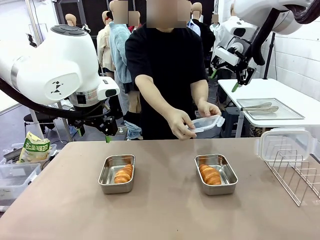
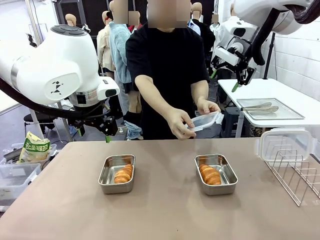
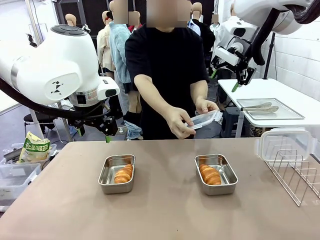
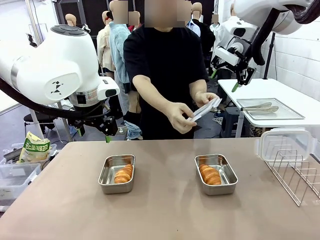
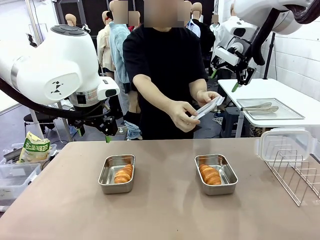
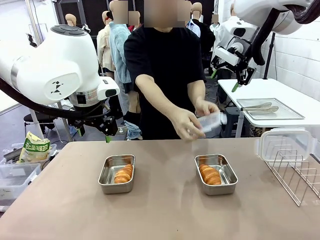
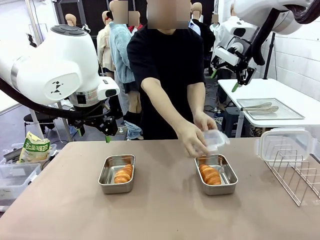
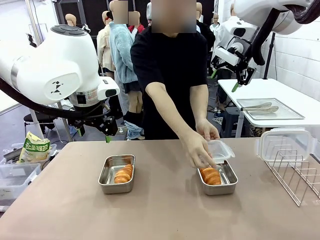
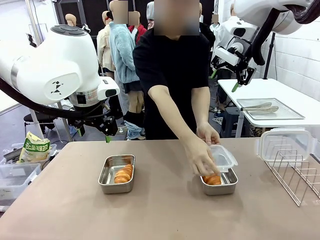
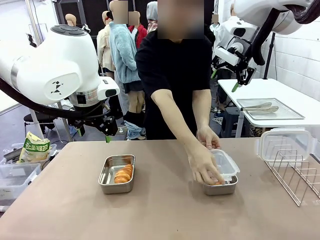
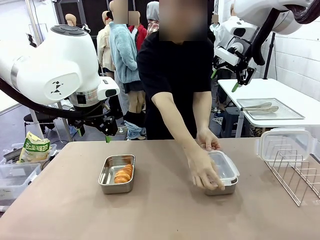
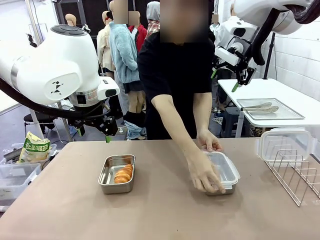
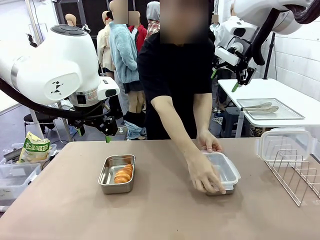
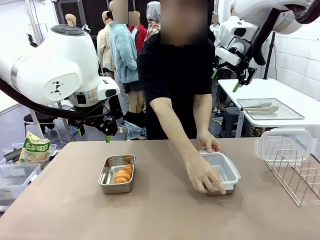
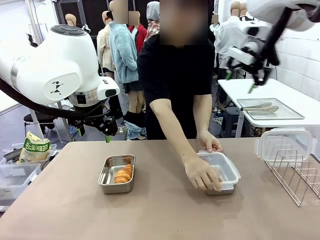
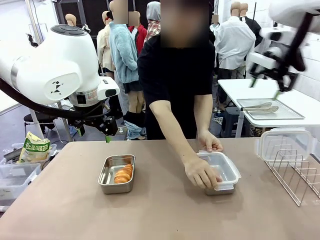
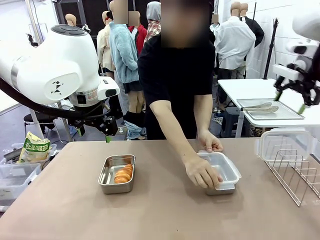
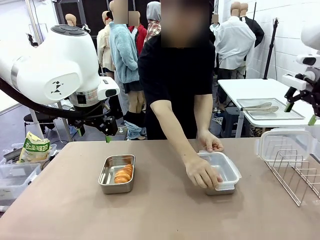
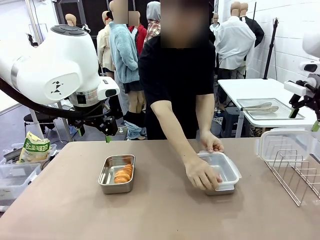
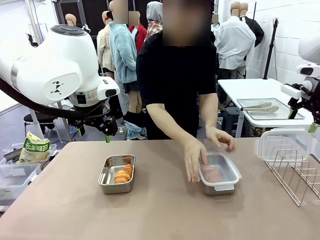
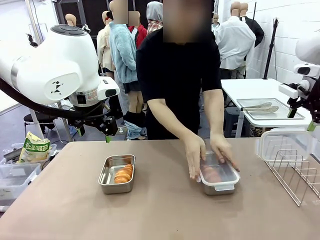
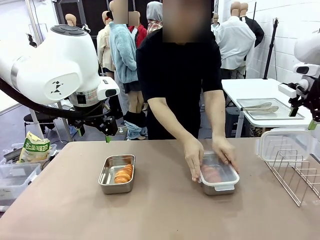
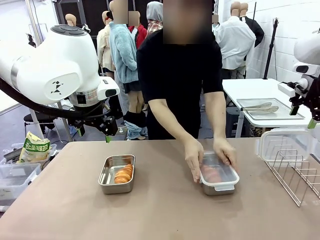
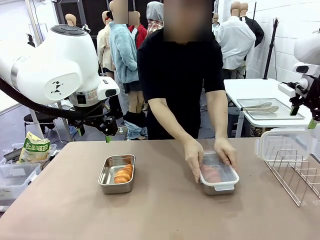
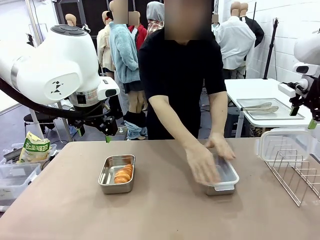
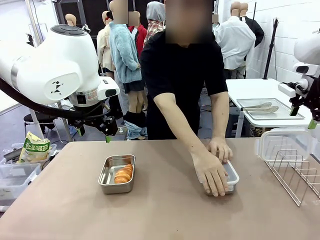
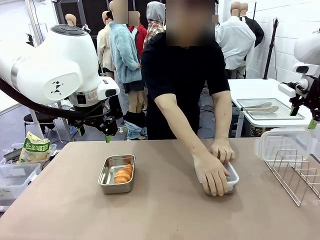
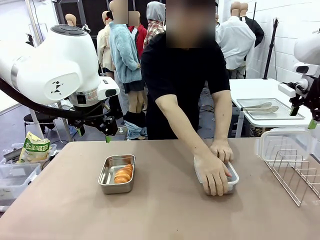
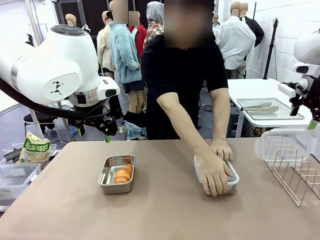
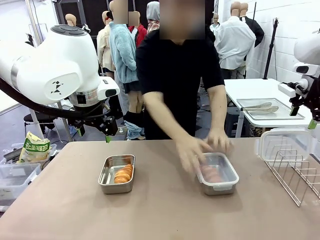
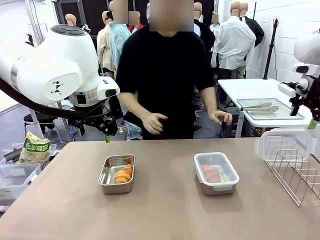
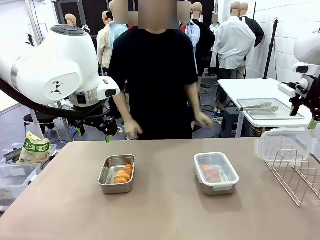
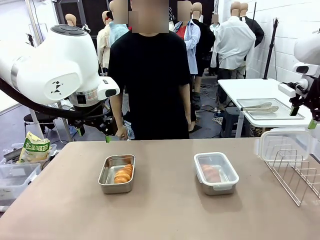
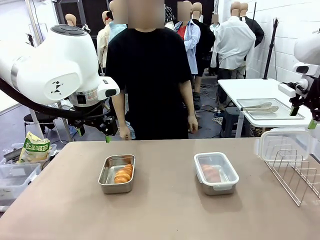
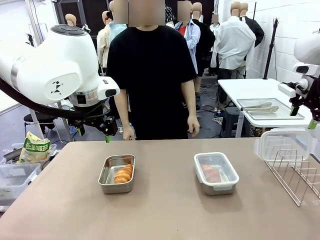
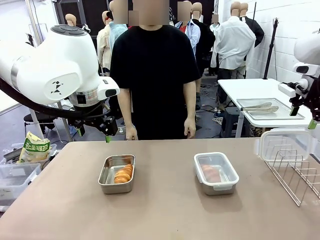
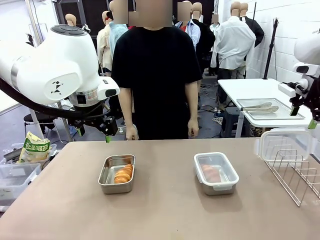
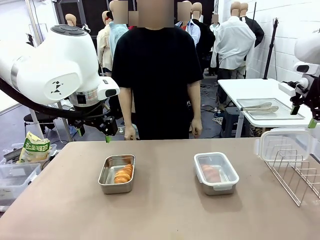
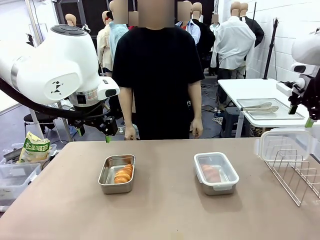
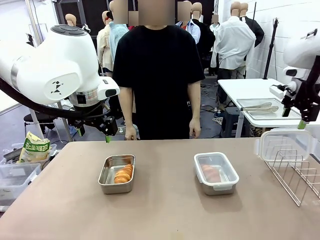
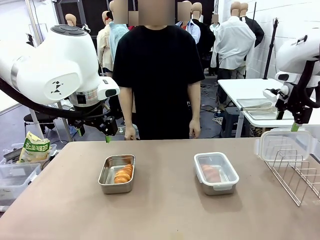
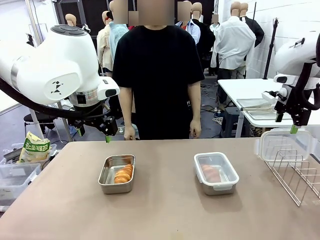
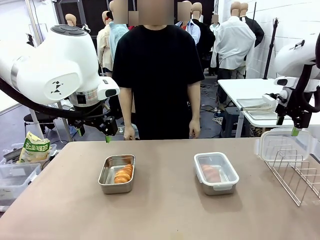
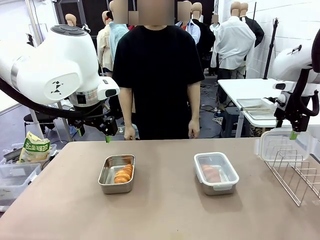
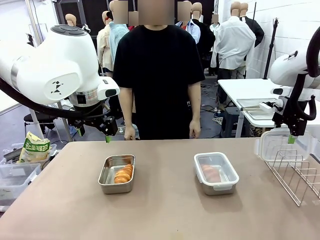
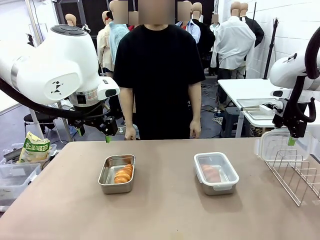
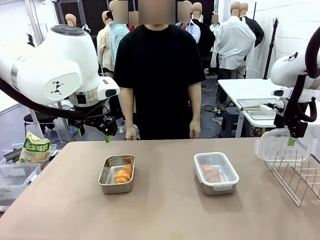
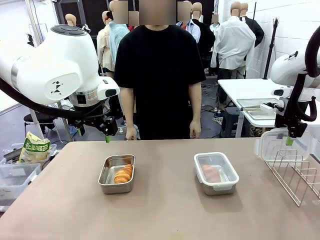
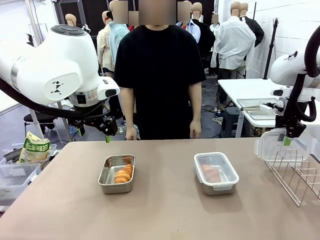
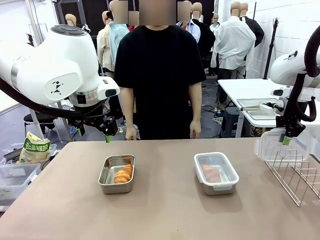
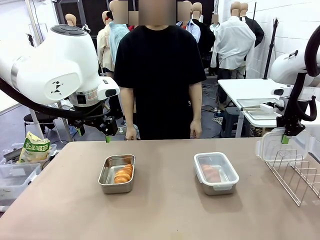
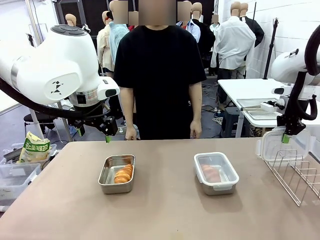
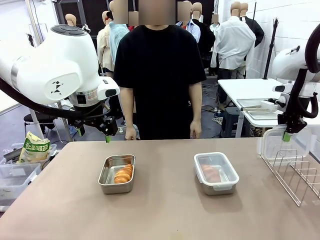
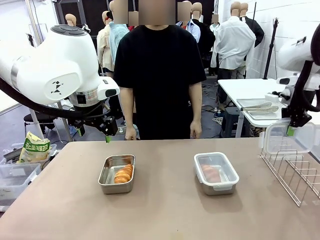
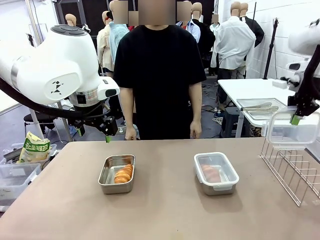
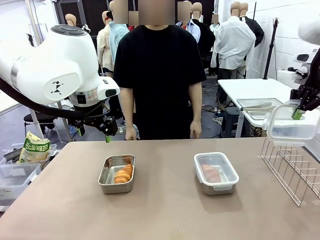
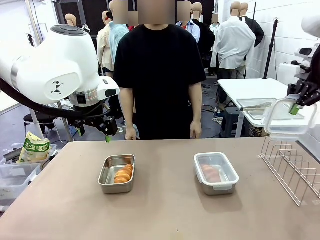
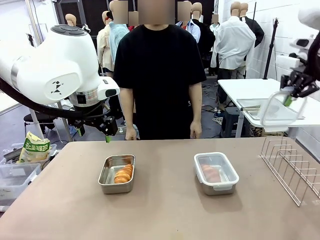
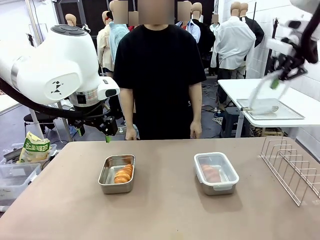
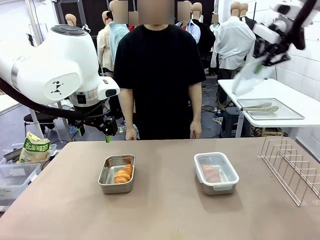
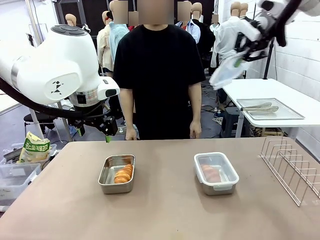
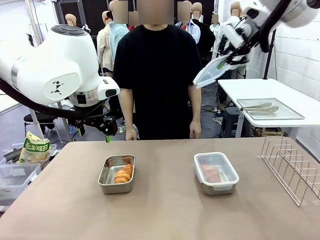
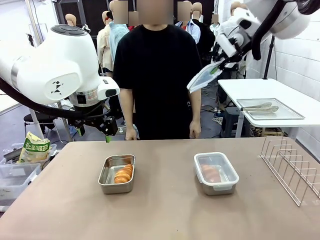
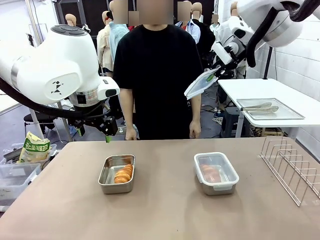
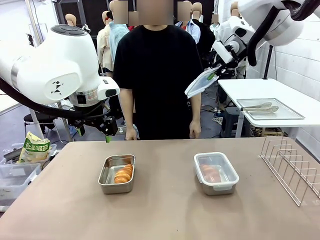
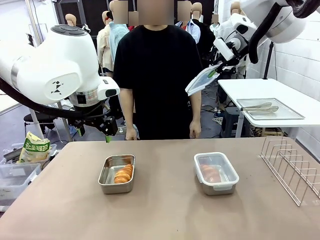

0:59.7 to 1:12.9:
Task: Place the bread in airtight containers.
Robot: Pick up one Airtight Container lid and hand it to the human.
Person: Close Airtight Container with a handed Airtight Container lid. Grip Airtight Container lid that robot is handing.

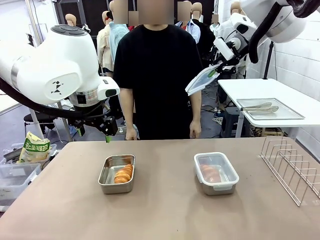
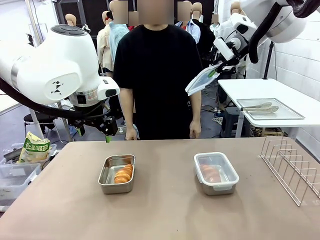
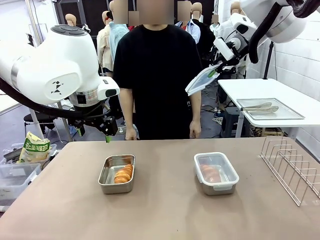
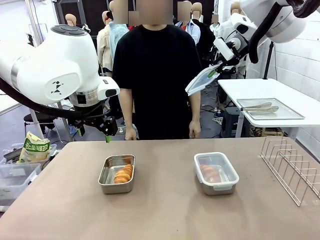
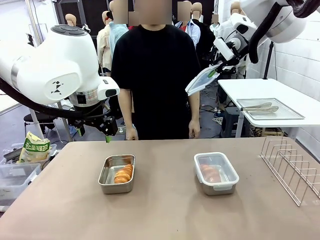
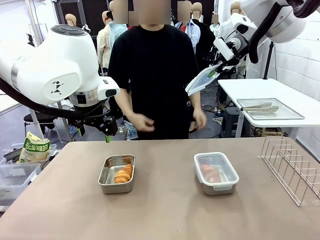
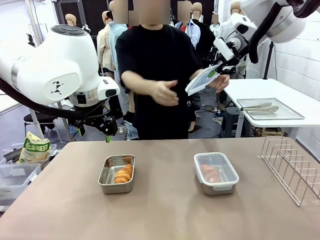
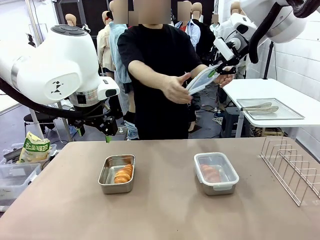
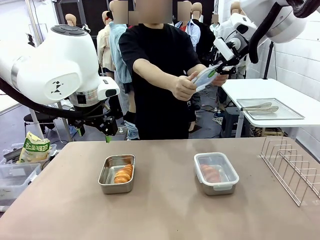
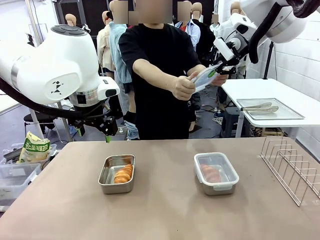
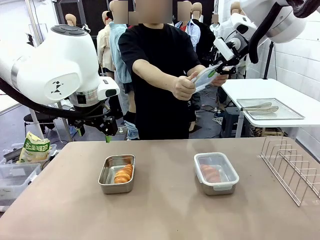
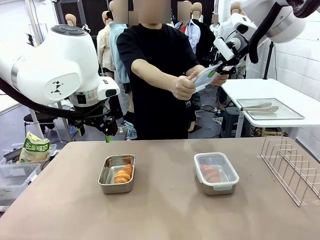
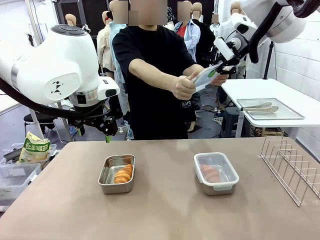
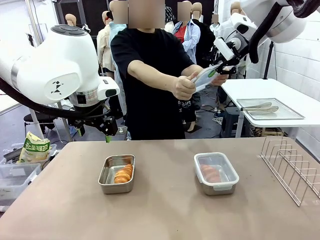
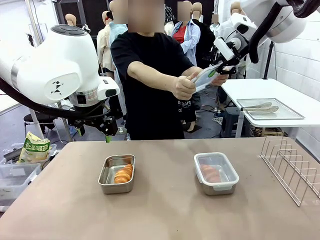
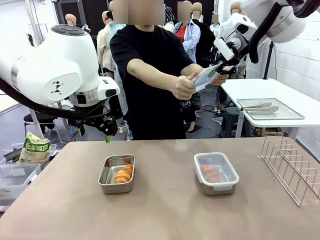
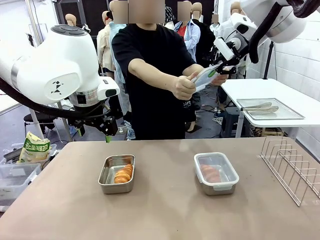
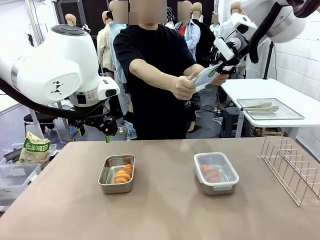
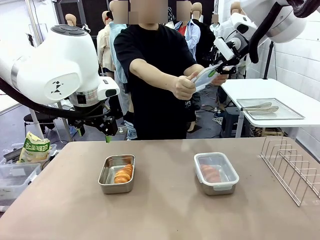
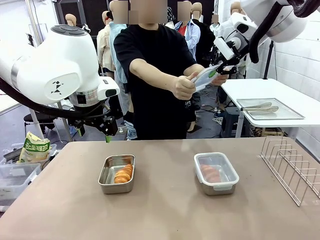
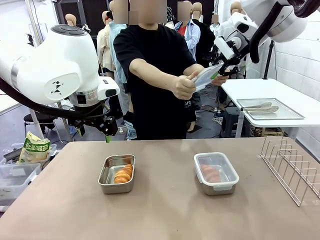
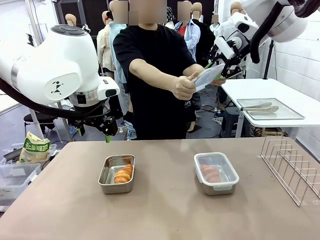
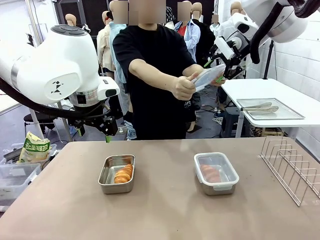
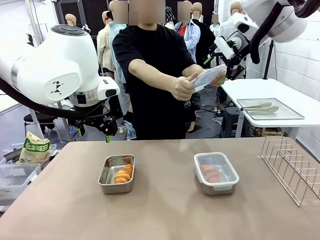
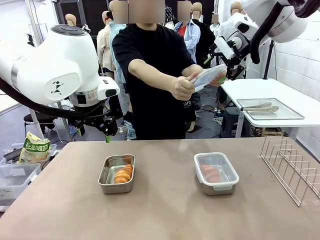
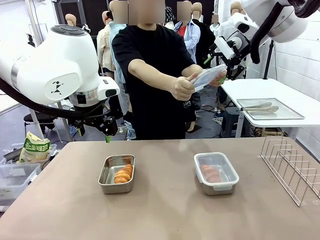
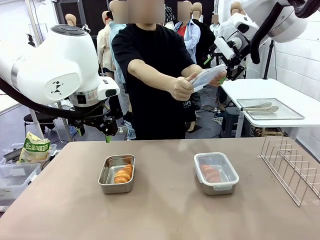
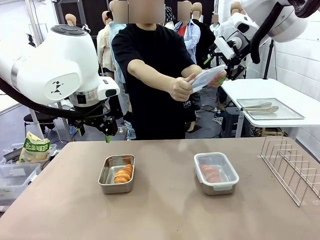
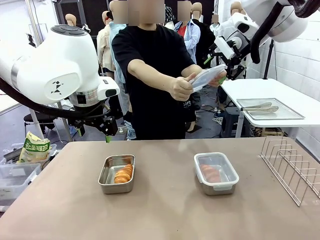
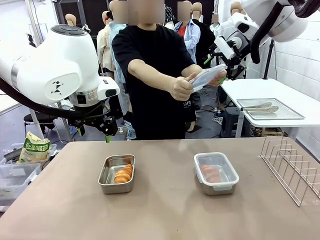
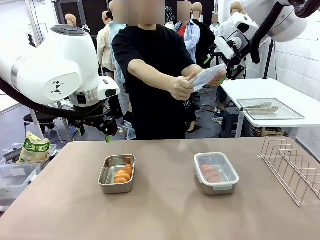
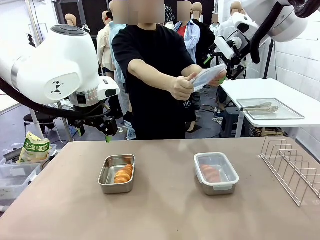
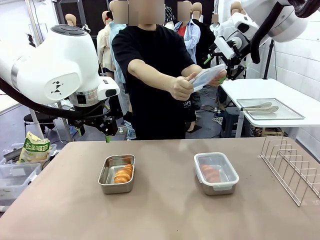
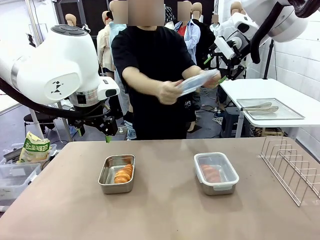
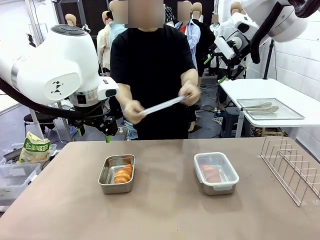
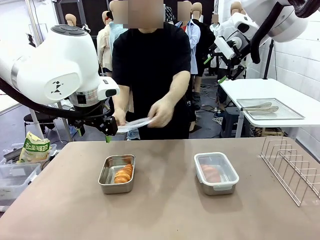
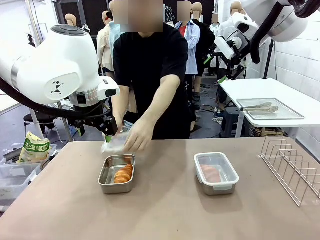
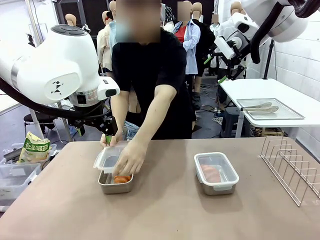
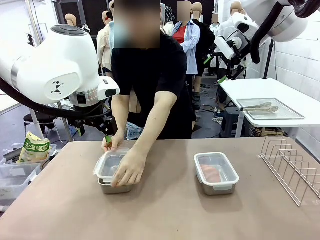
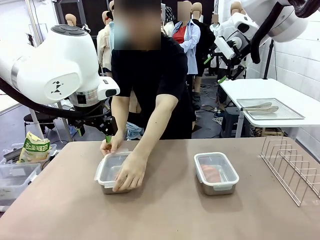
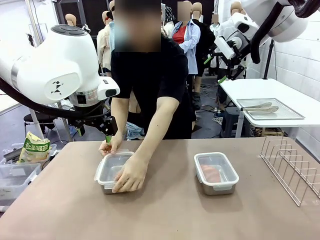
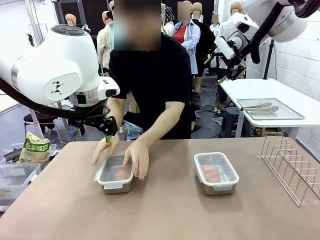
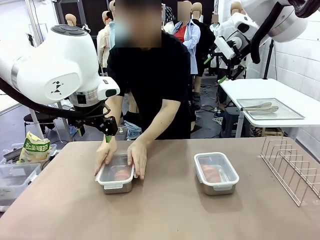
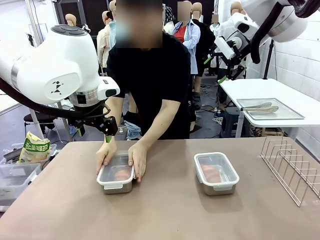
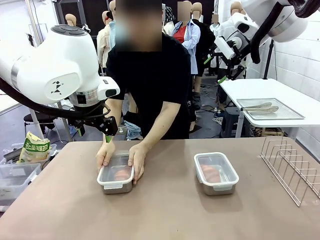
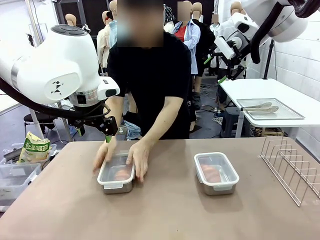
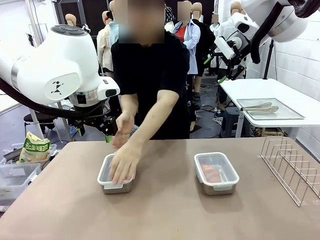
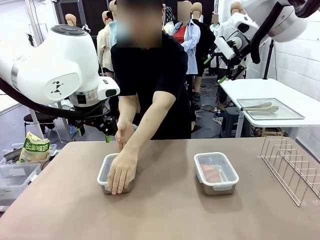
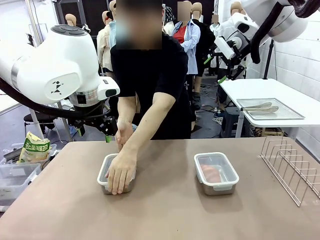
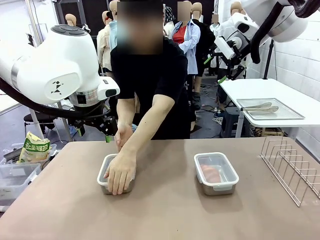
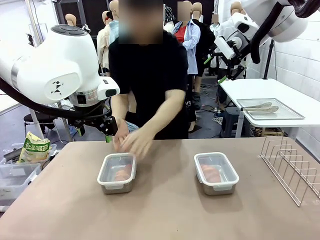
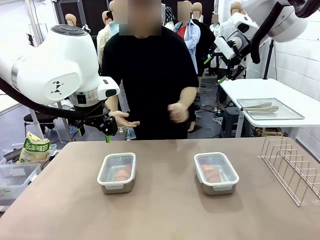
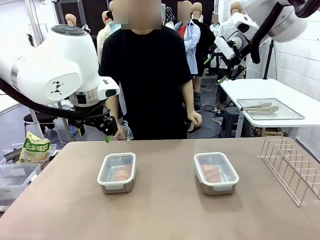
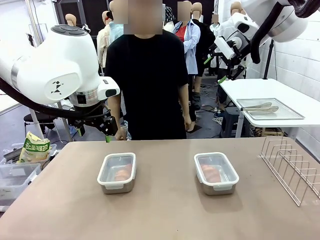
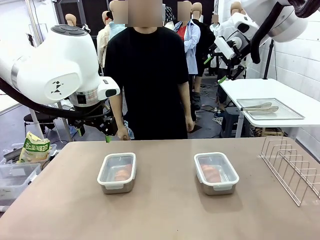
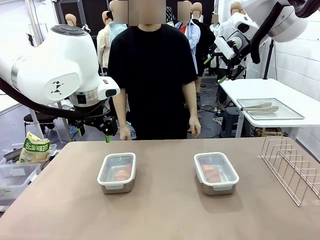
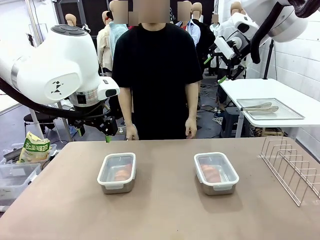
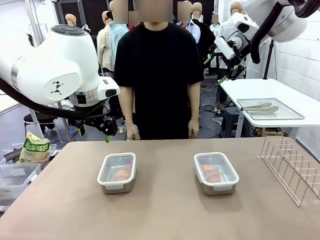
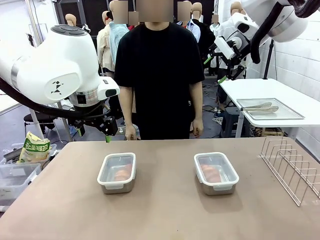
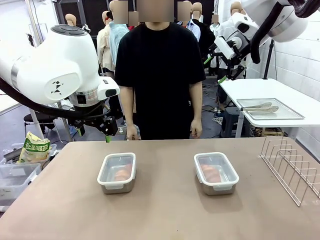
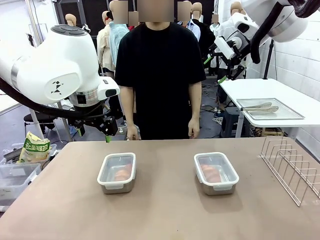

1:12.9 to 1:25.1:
Robot: Release when the human grabs the Airtight Container lid.
Person: Close Airtight Container with a handed Airtight Container lid.
